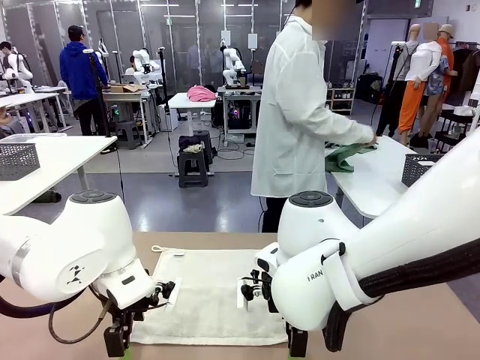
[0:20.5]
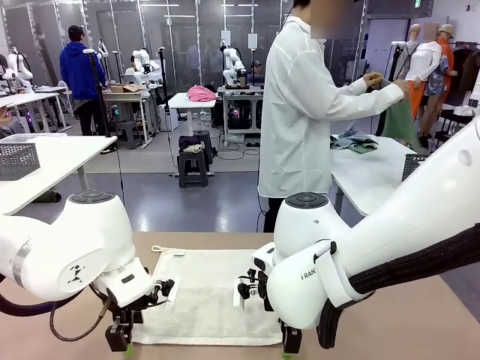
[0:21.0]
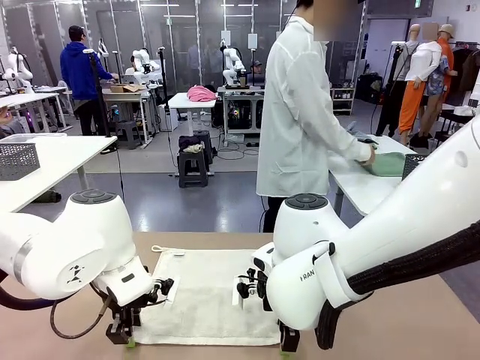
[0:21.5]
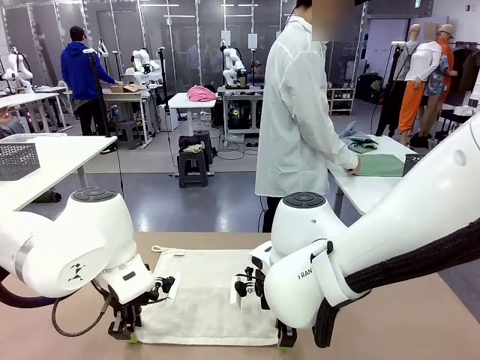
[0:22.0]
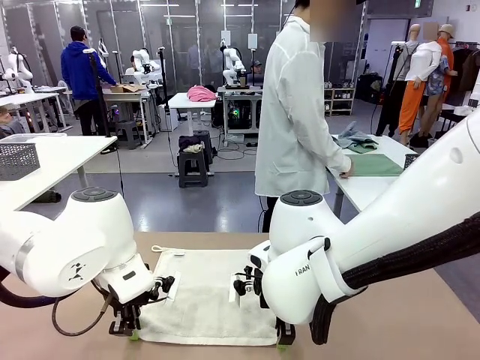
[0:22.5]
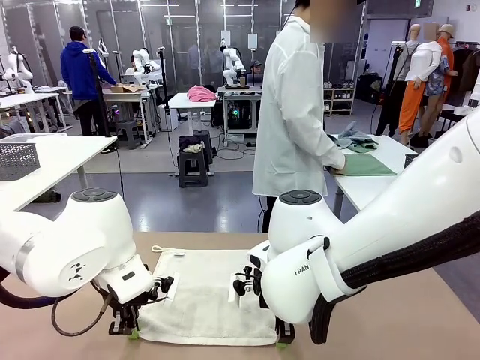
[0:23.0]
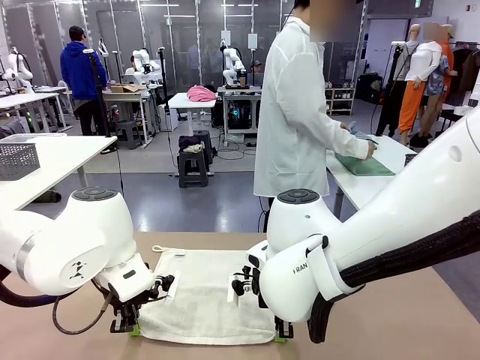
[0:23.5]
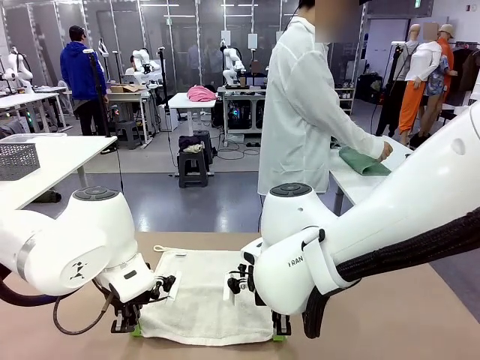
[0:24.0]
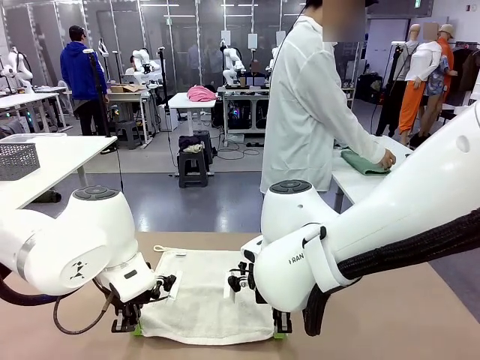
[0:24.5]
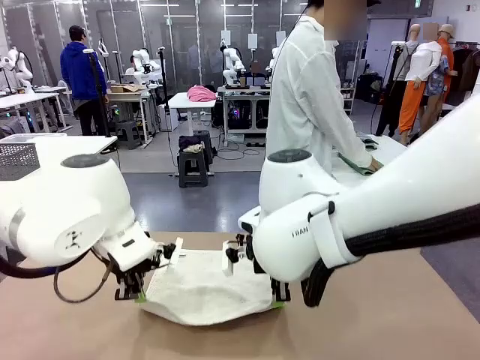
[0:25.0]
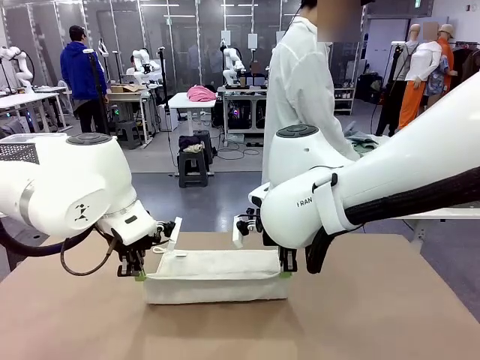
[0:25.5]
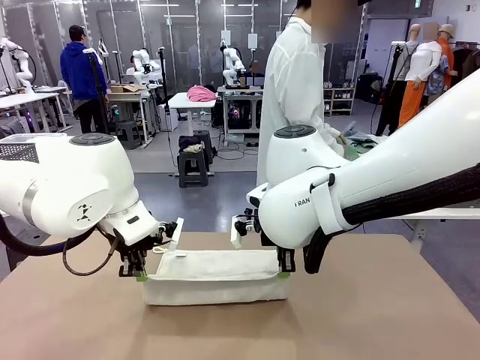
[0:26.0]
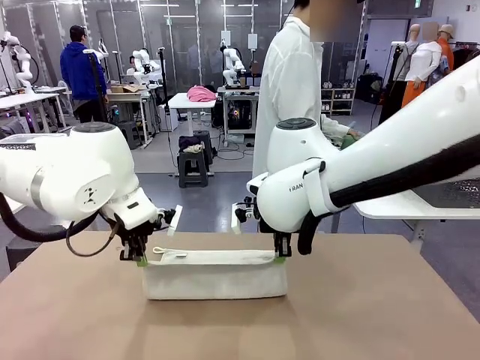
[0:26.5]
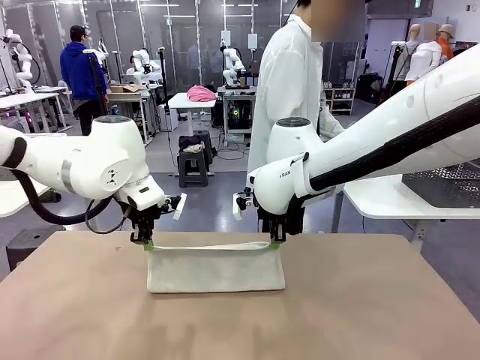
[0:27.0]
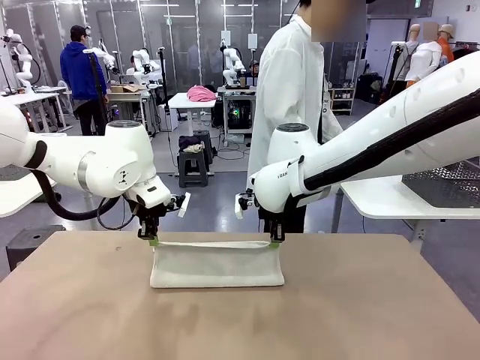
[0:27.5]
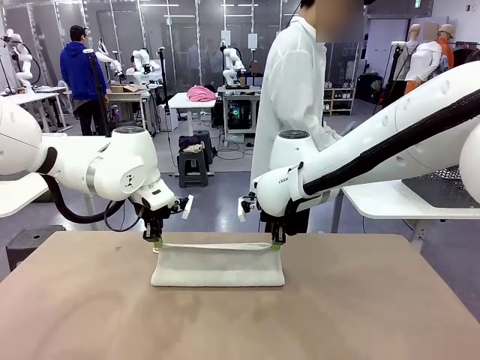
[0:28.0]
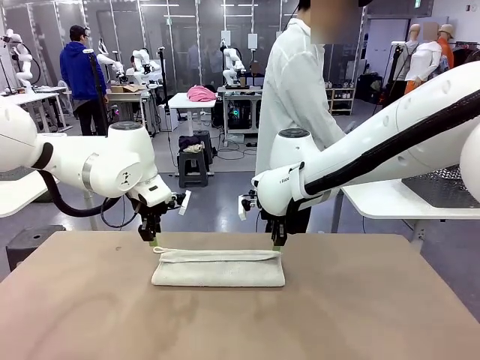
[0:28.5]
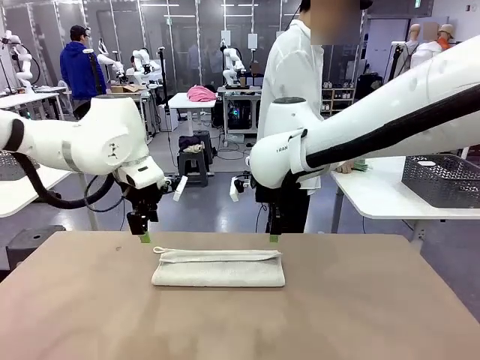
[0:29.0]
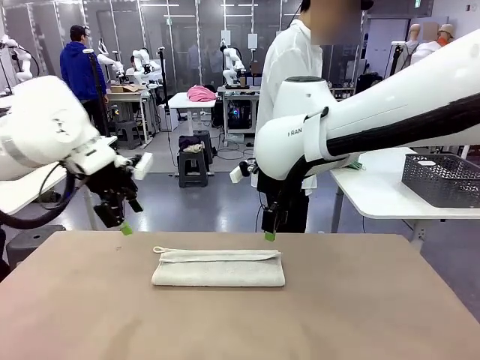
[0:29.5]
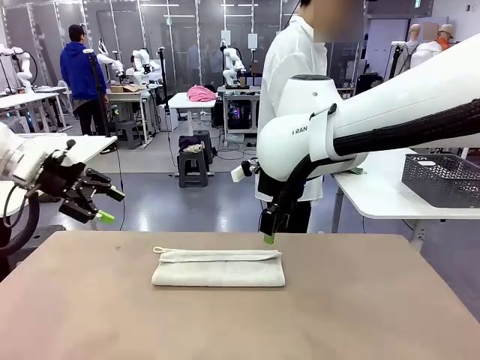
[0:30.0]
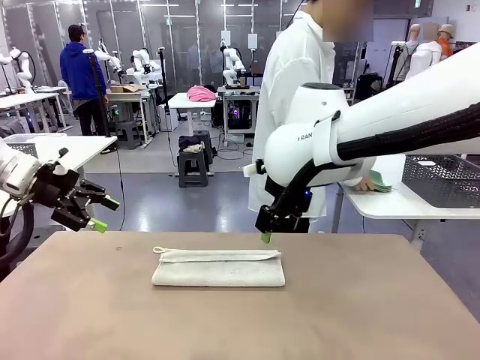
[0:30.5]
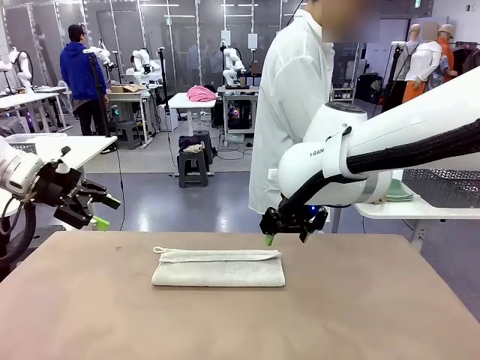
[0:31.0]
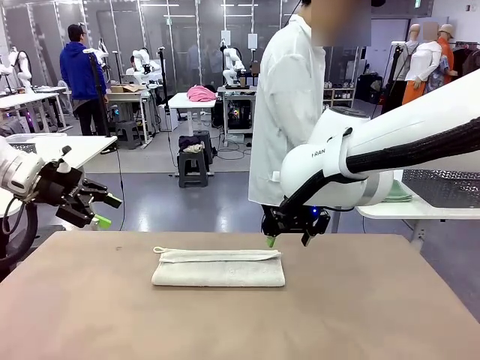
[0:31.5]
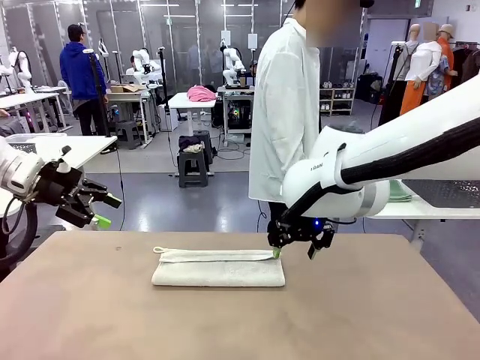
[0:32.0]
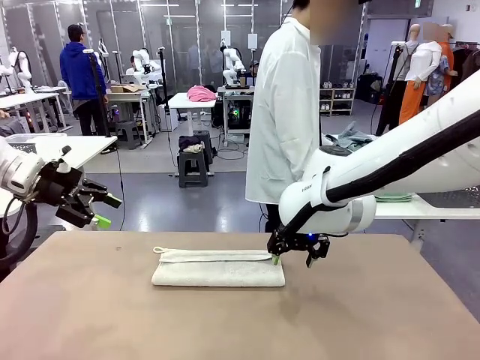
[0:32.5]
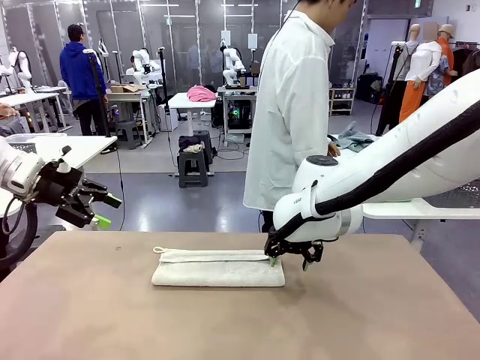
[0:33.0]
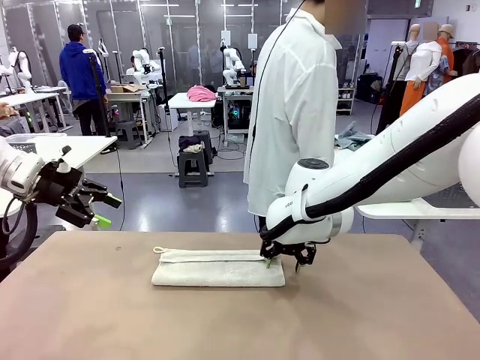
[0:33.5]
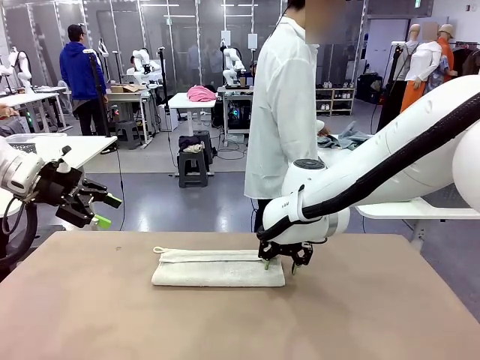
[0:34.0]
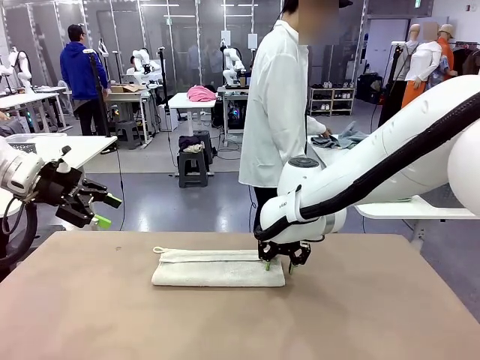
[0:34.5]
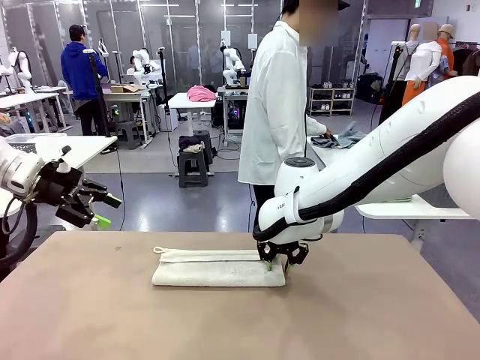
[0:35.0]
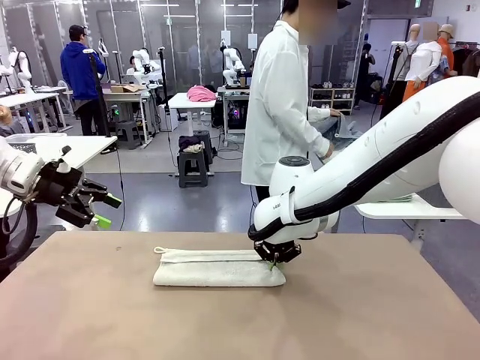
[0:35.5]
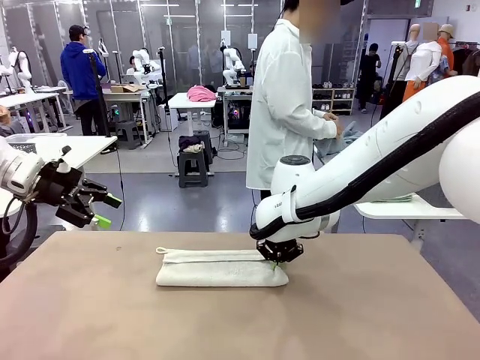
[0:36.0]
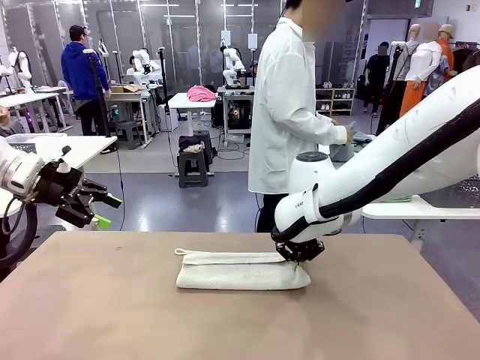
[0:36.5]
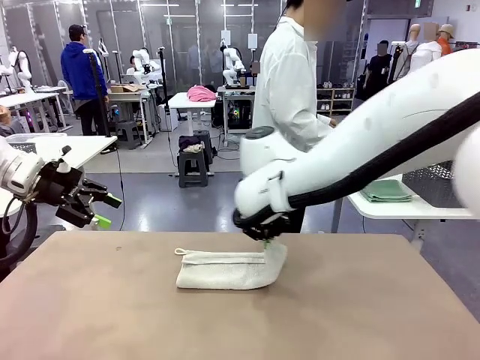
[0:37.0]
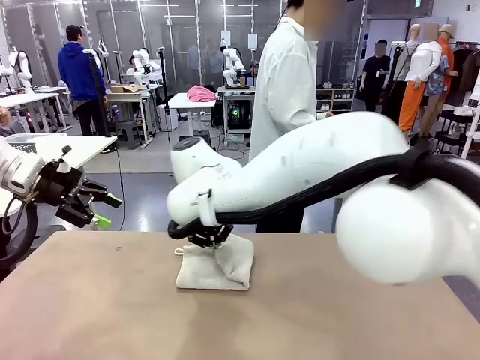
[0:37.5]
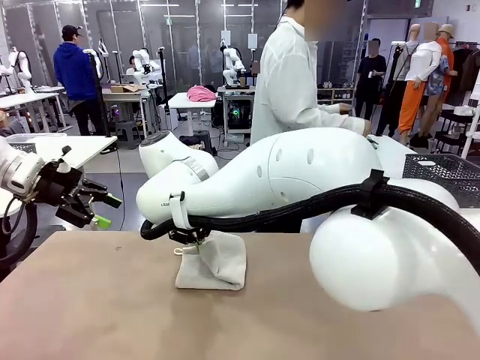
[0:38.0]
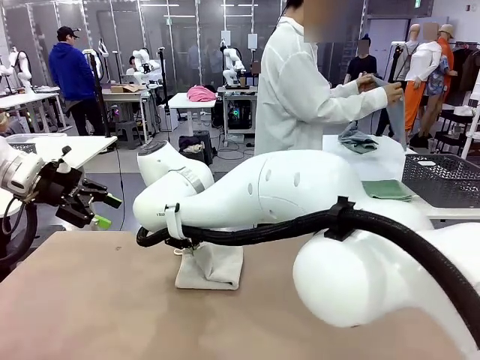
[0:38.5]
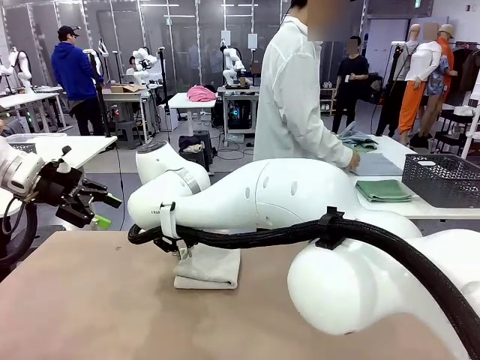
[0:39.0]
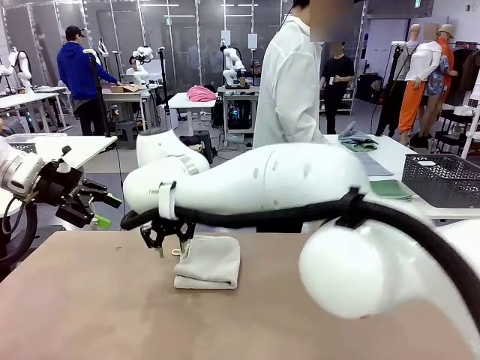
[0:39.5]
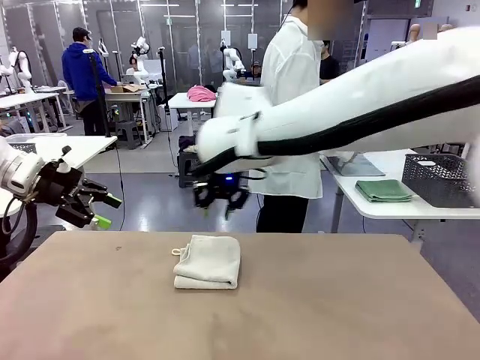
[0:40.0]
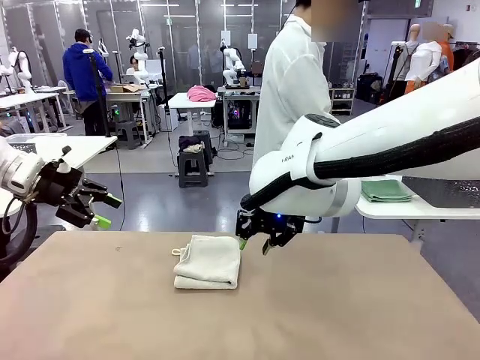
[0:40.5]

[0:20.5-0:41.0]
Task: Fold the towels and place them in the basket.
Robot: When a person lays out a Towel with hook on the table, fold it in half twice.
Person: Pick up one towel from the left side of the human table, fold it in half twice, and place it on the right side of the table. Pick up one towel from the left side of the human table, fold it in half twice, and stack it on the right side of the table.

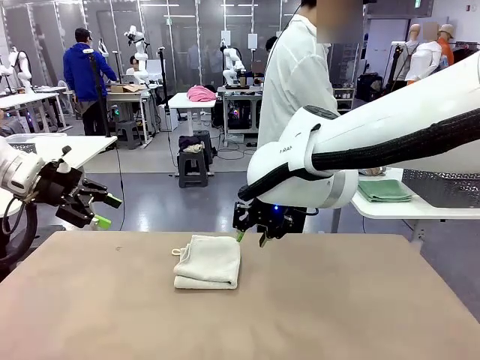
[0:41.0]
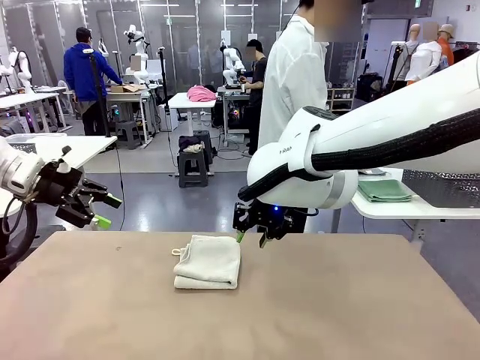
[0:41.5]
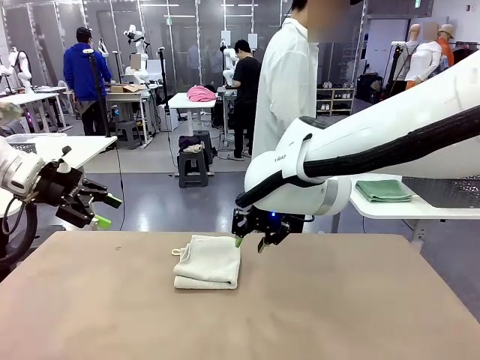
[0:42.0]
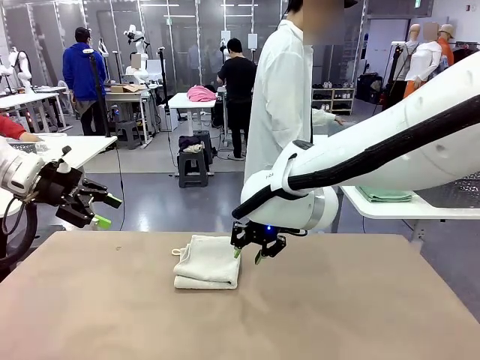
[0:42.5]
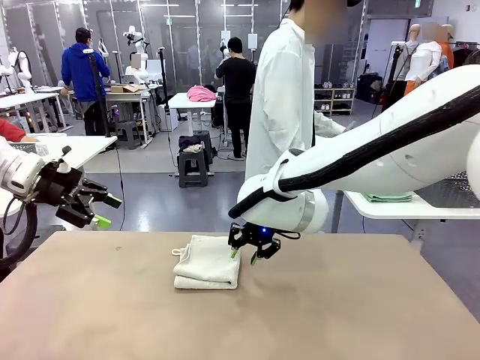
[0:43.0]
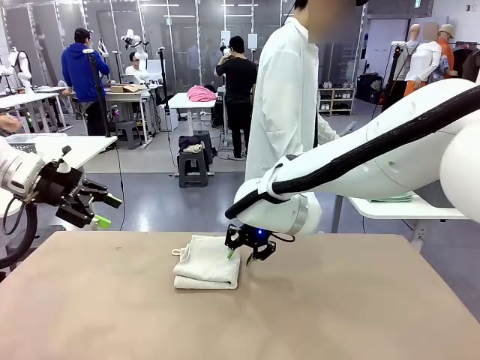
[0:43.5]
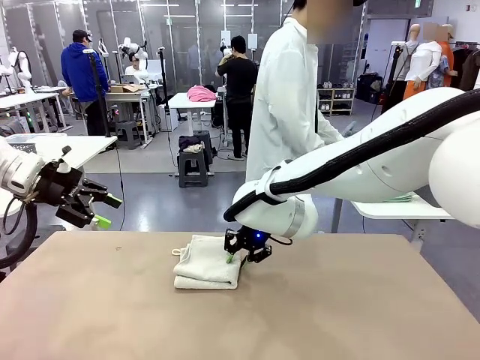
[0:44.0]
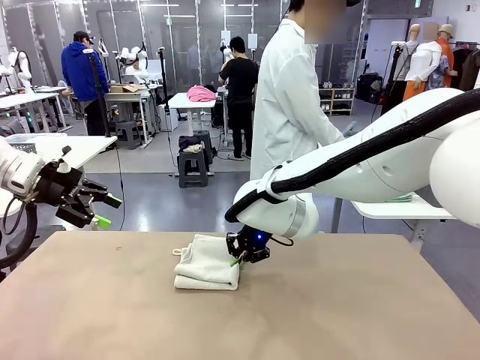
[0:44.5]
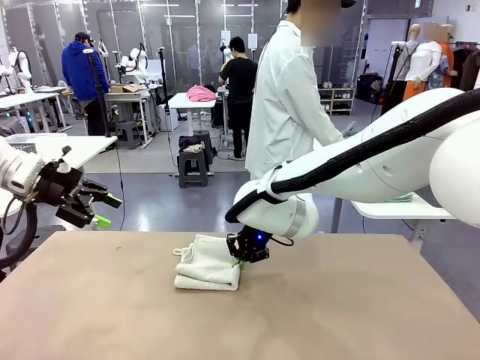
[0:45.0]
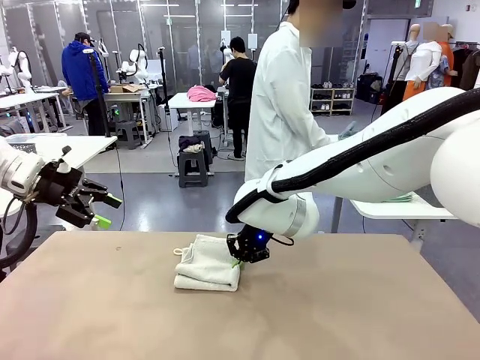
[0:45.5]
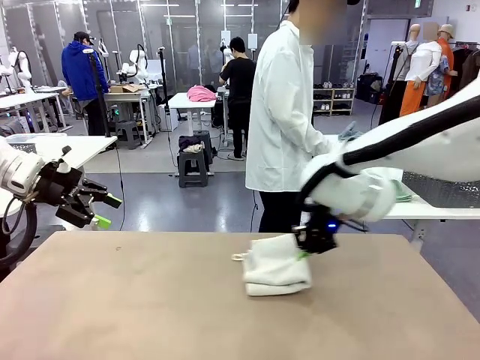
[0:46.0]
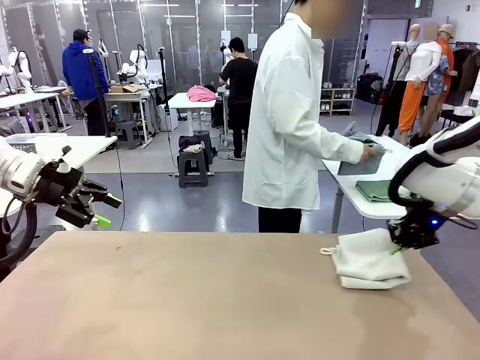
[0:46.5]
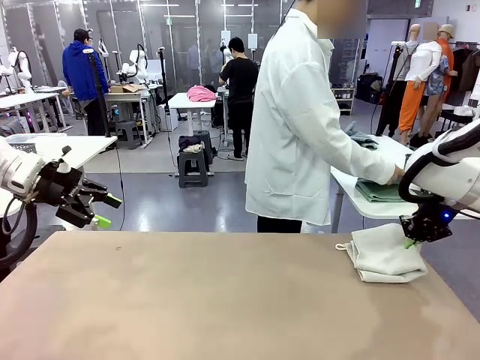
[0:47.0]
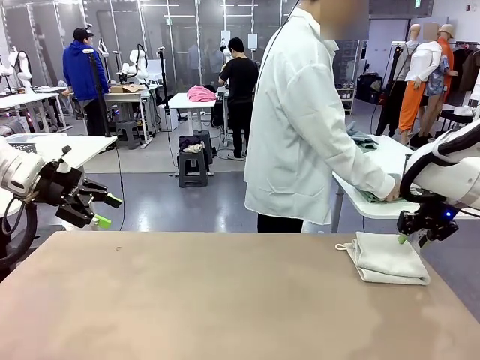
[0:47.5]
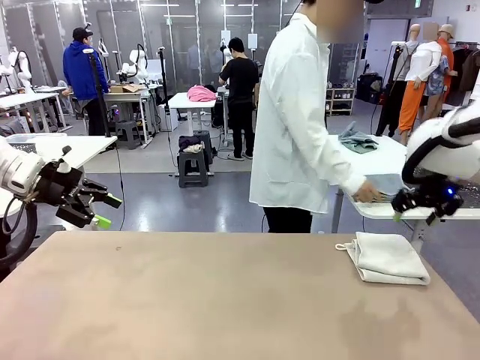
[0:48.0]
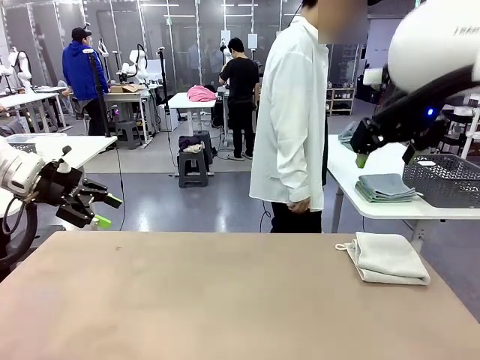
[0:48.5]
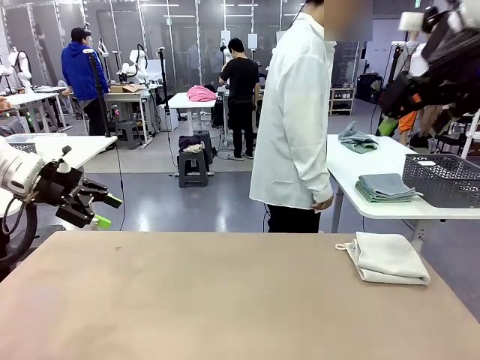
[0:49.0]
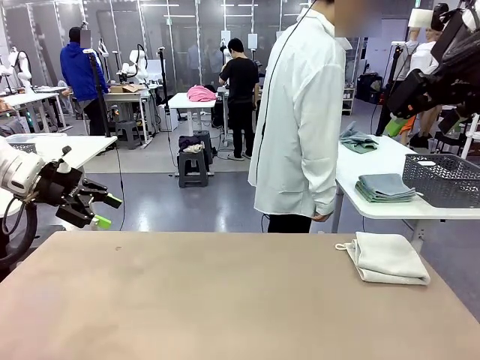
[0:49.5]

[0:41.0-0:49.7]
Robot: Place the folded Towel with hook on the right side of the table.
